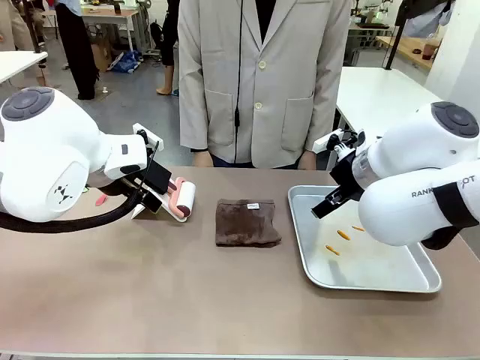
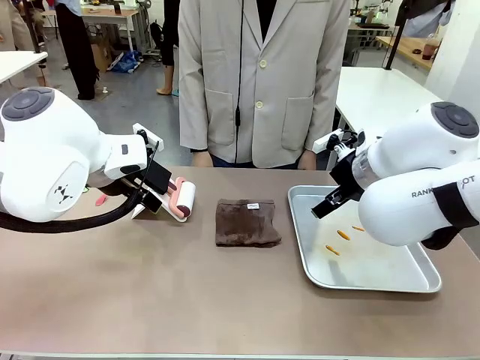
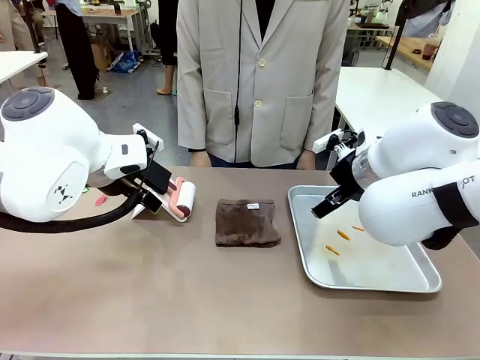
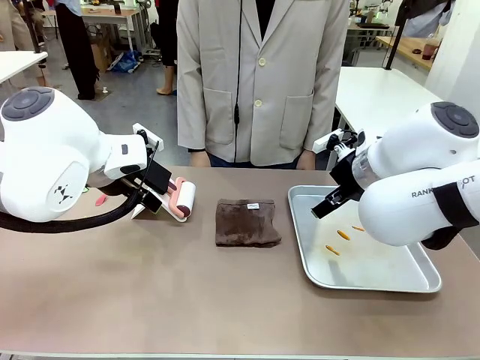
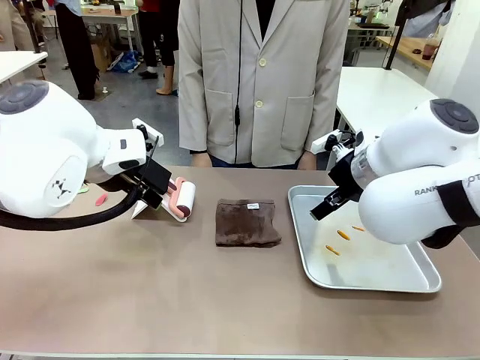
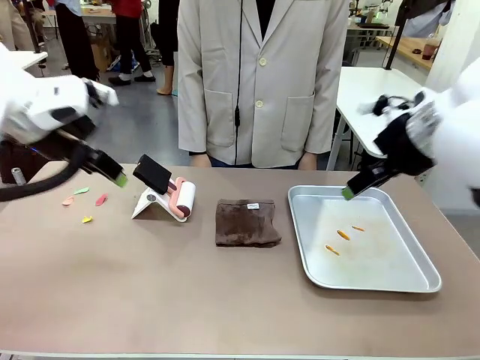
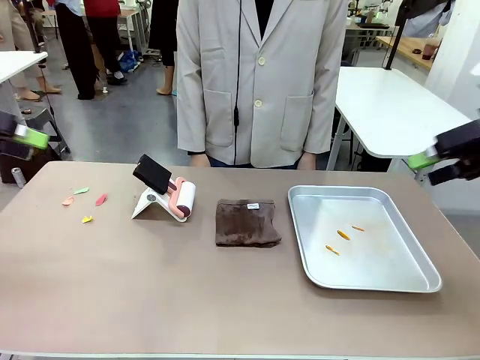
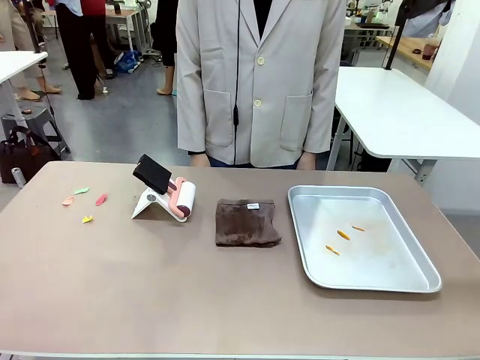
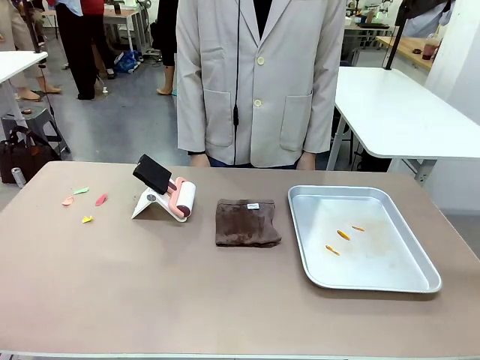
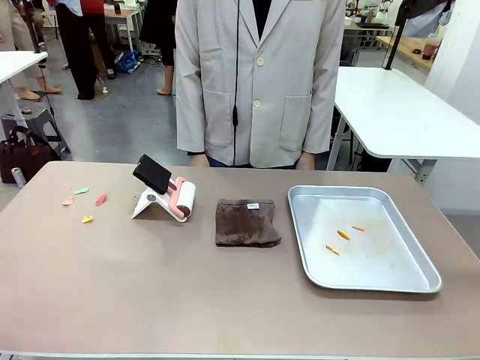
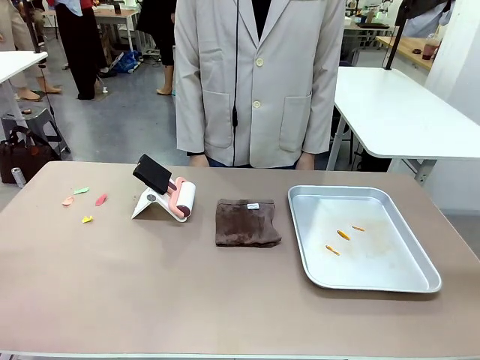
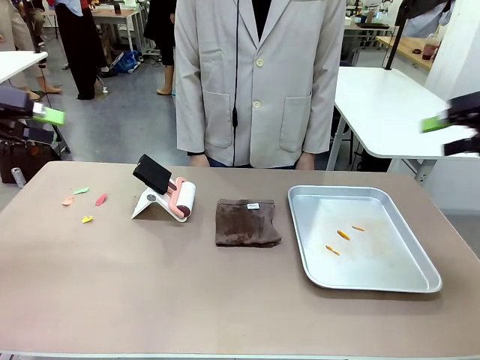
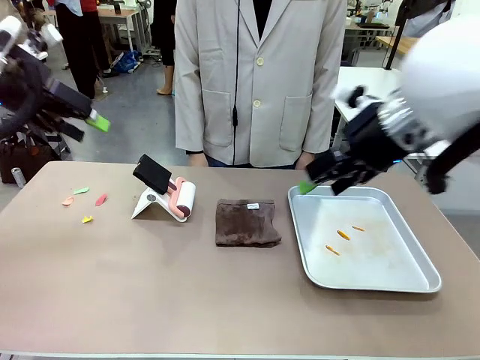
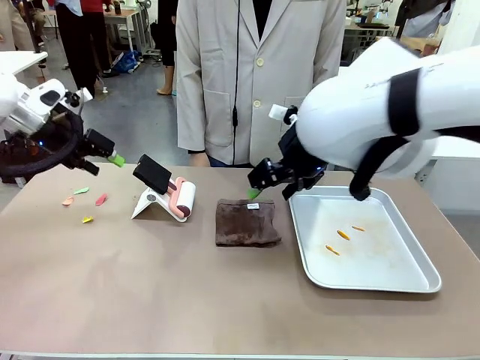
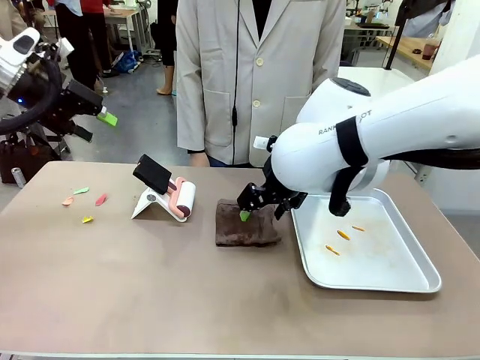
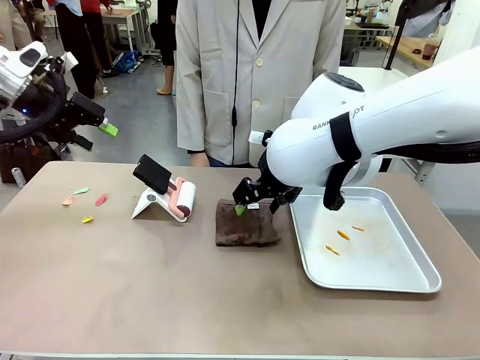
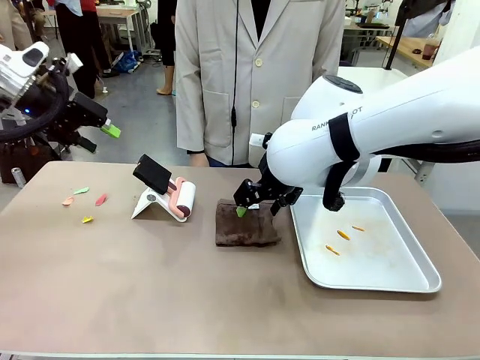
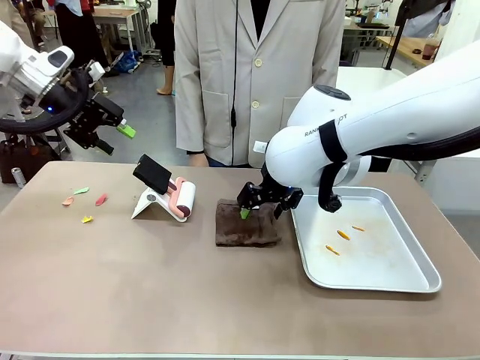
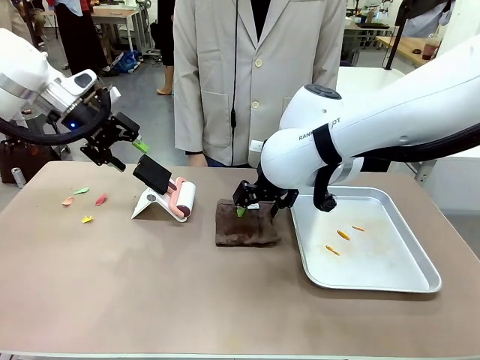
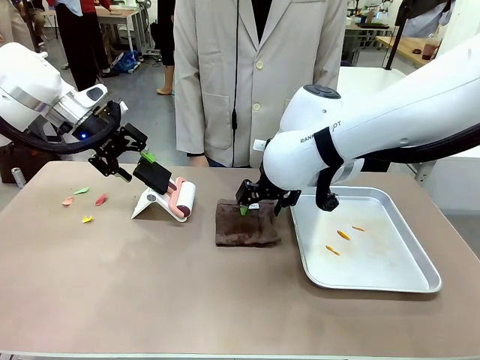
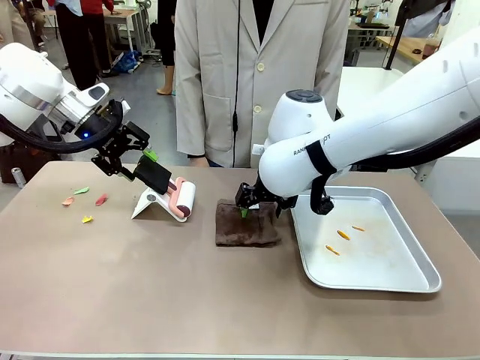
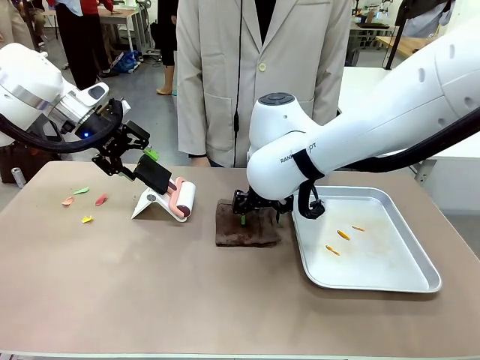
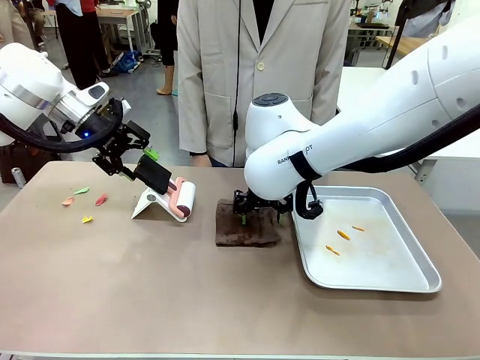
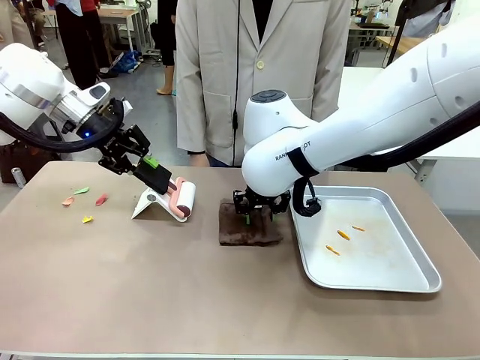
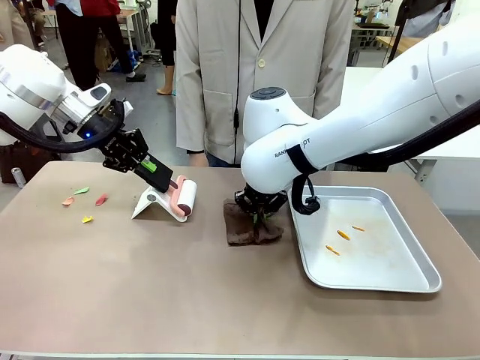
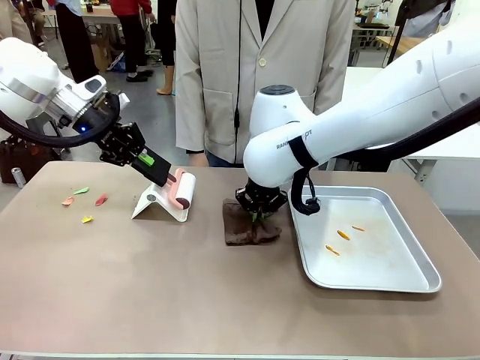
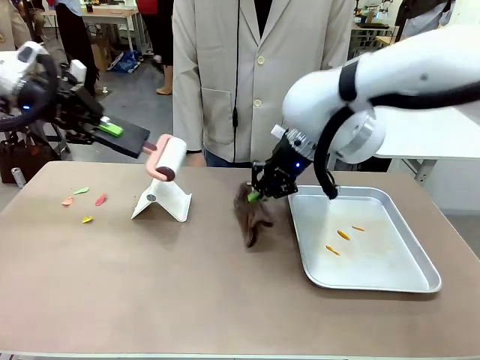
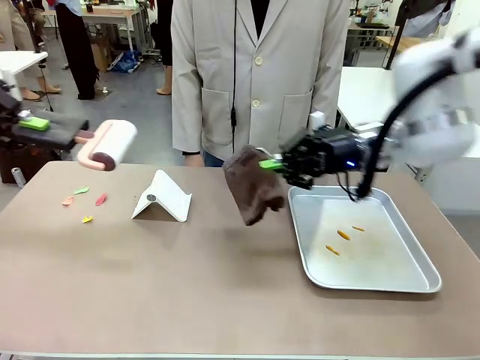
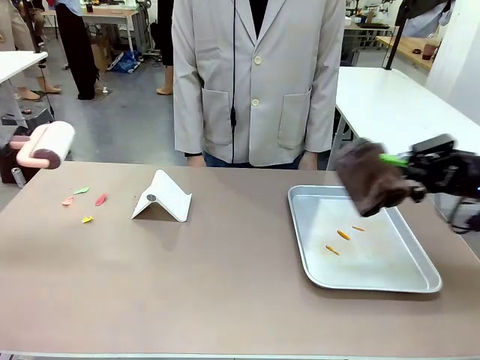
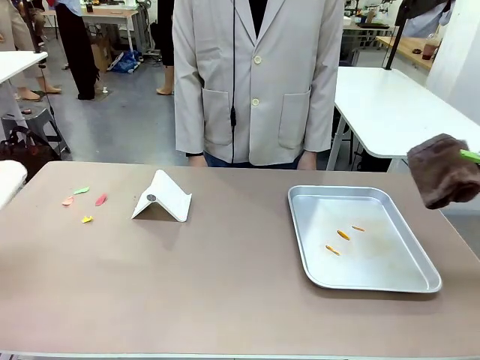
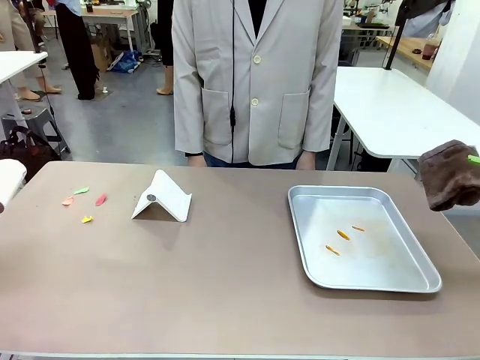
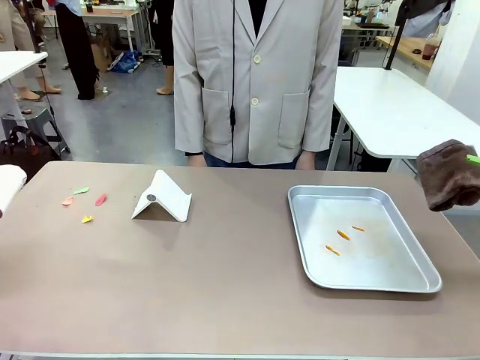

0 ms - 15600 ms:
Task: Clean the surface of the table.
Robot: Hold the Lint Roller with your left hand and the towel with your right hand.

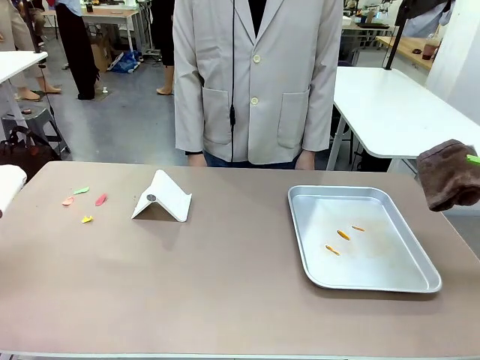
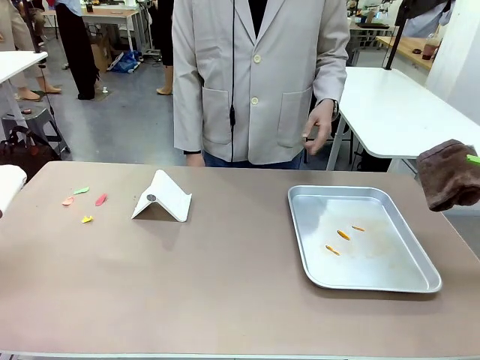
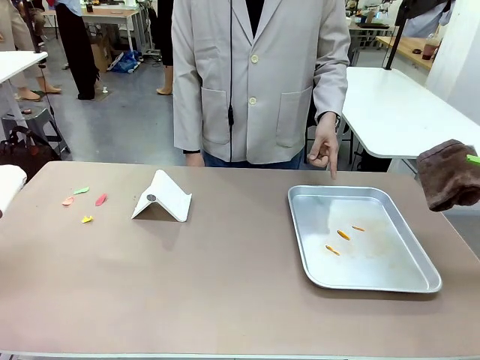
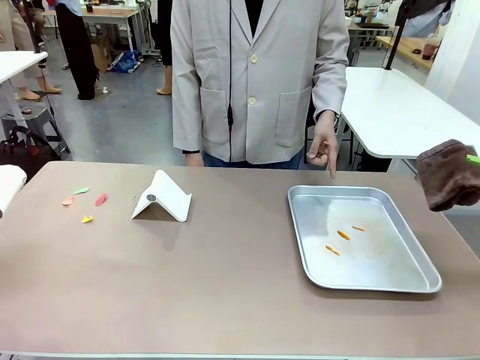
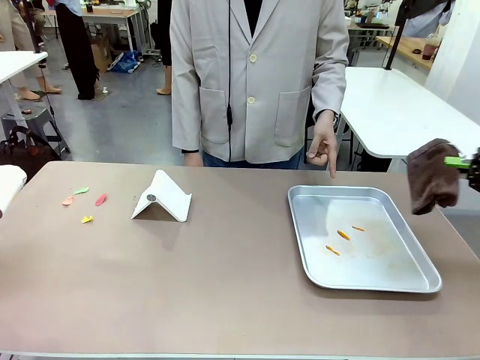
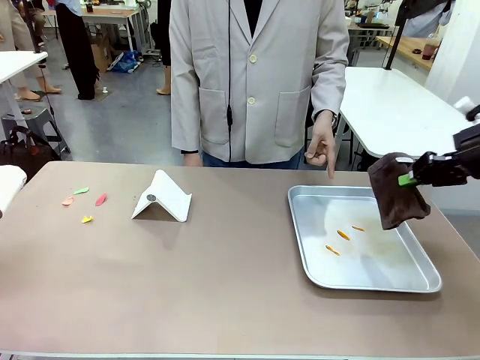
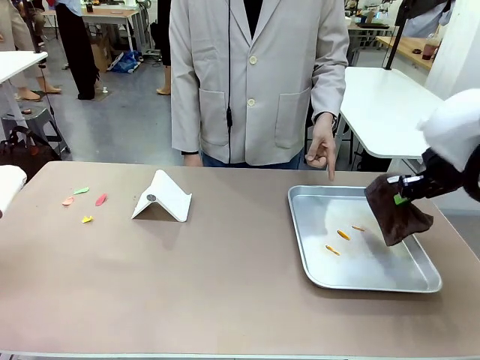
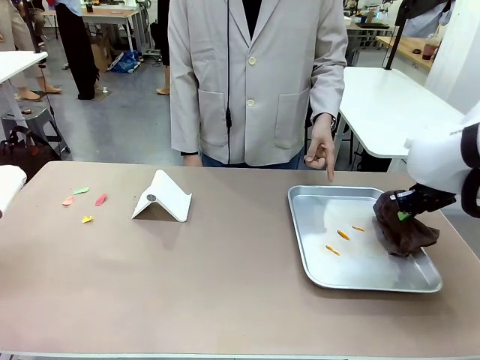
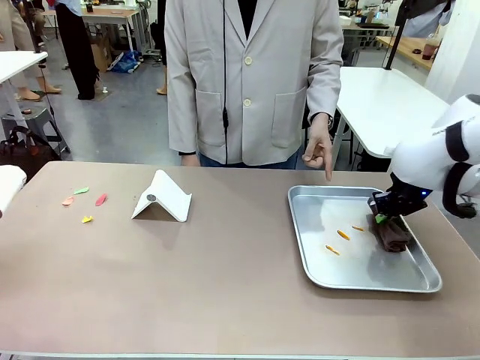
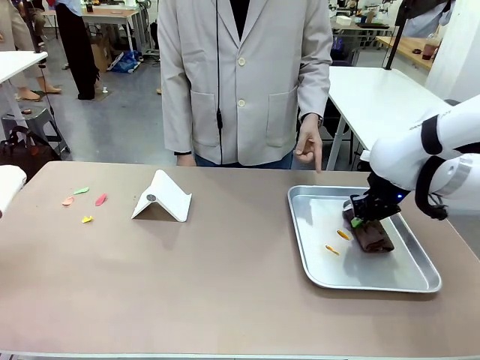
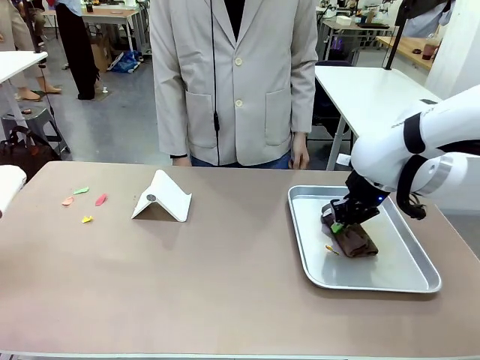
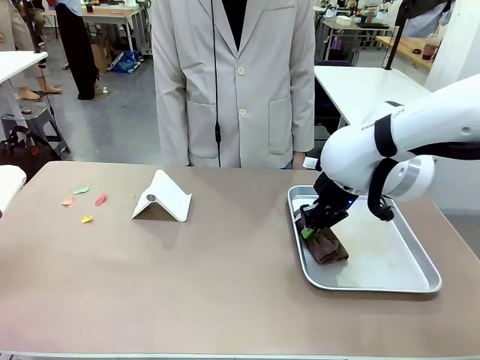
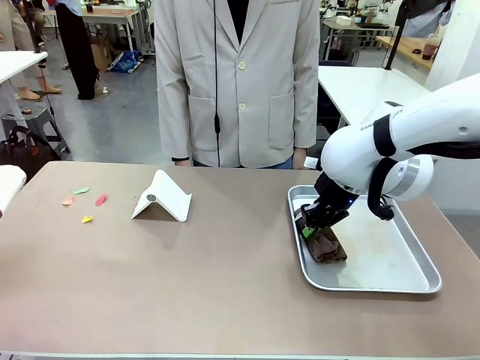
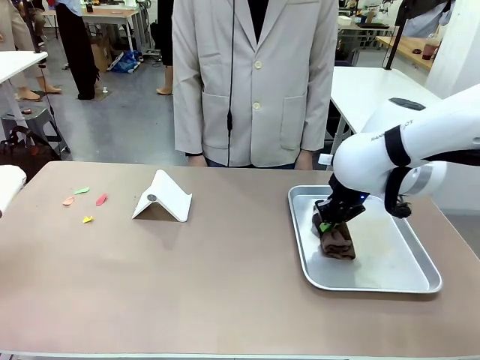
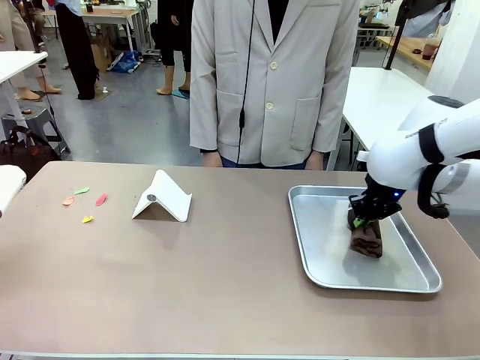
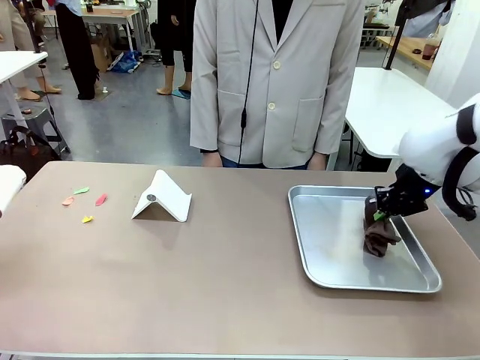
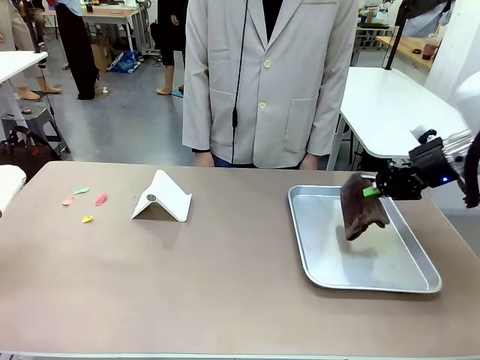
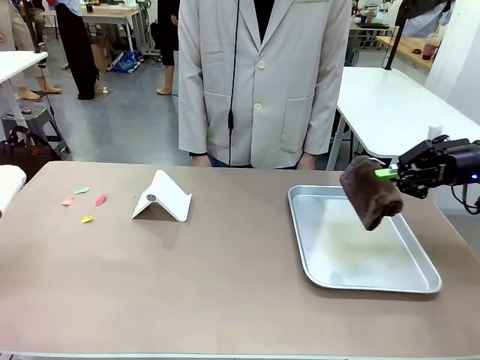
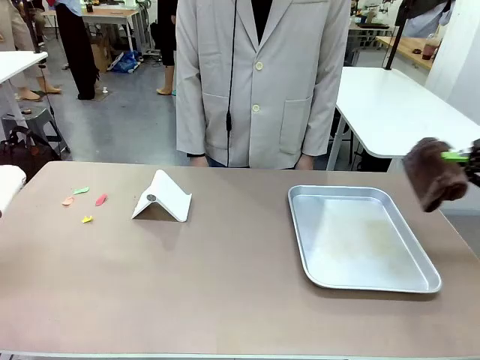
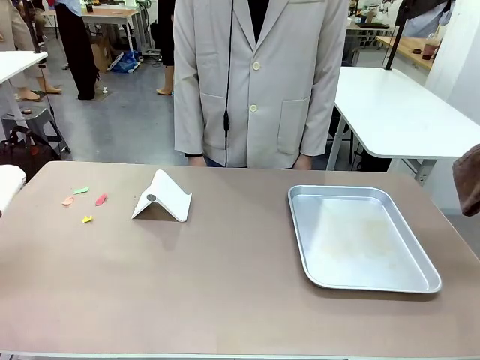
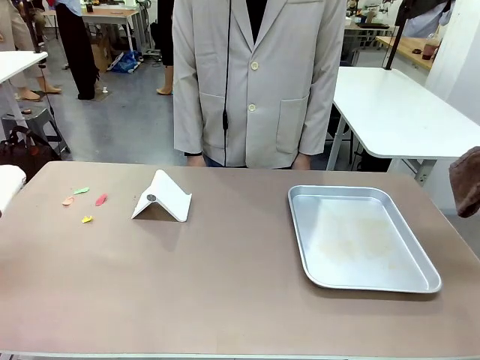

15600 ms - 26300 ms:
Robot: If a person points to the right, clean the right side of the table with your right hand, and if they point to the left, clean the left side with your left hand.
